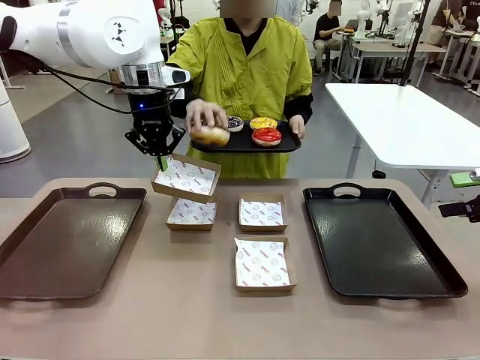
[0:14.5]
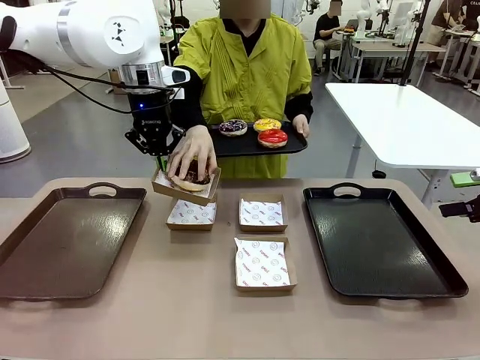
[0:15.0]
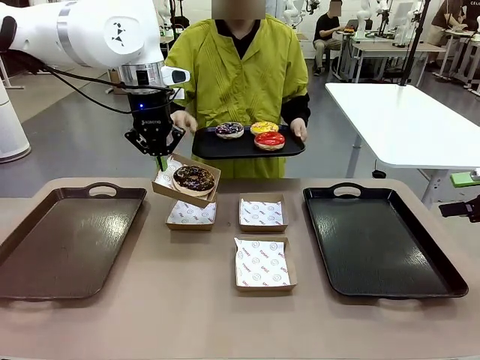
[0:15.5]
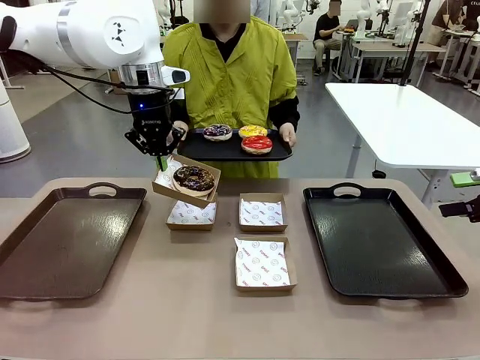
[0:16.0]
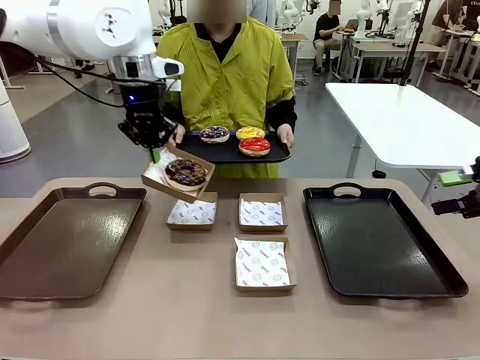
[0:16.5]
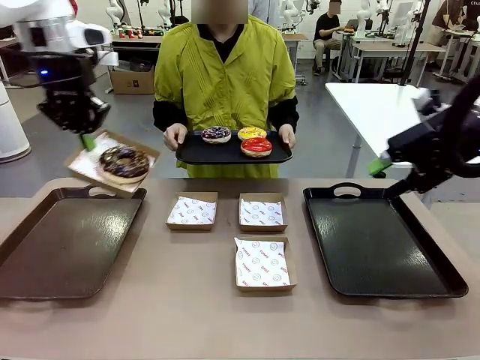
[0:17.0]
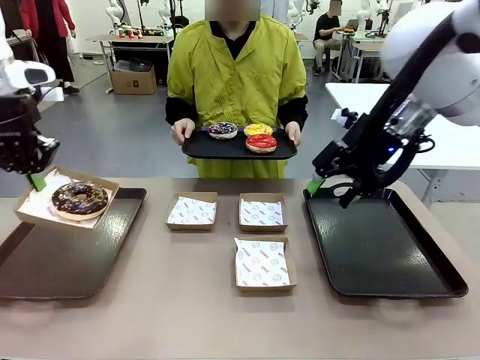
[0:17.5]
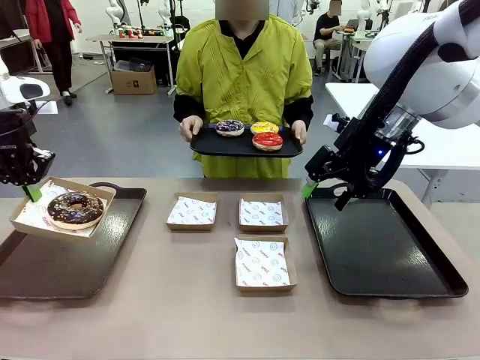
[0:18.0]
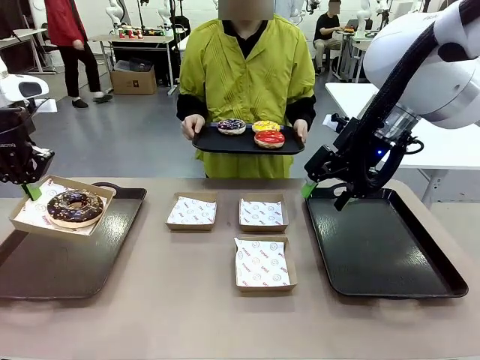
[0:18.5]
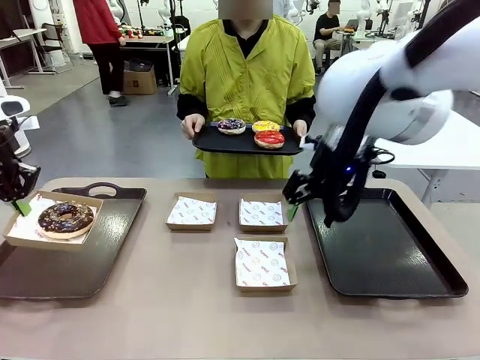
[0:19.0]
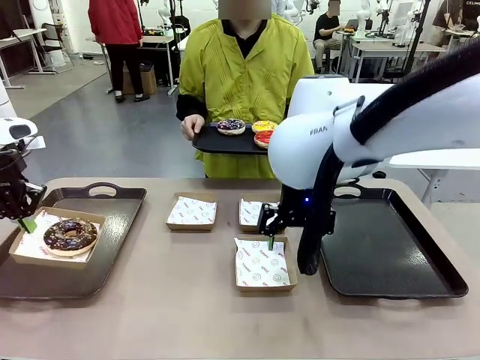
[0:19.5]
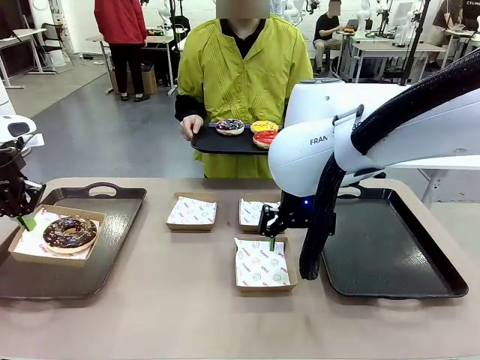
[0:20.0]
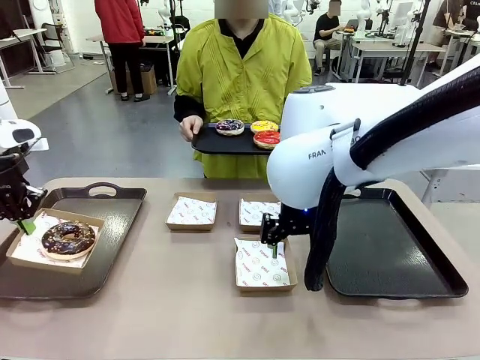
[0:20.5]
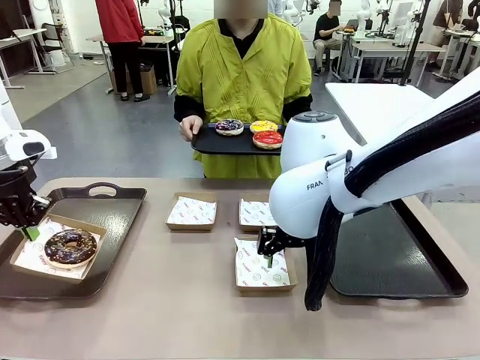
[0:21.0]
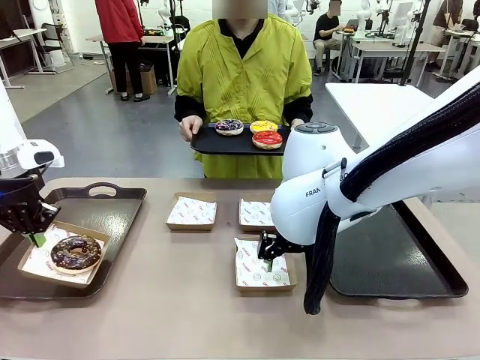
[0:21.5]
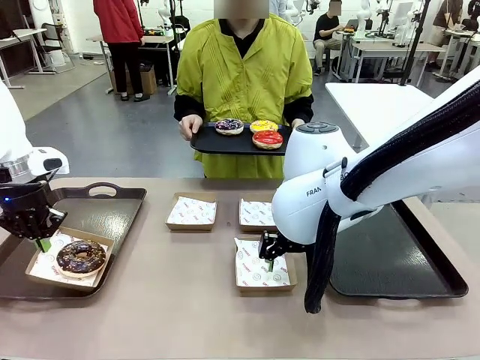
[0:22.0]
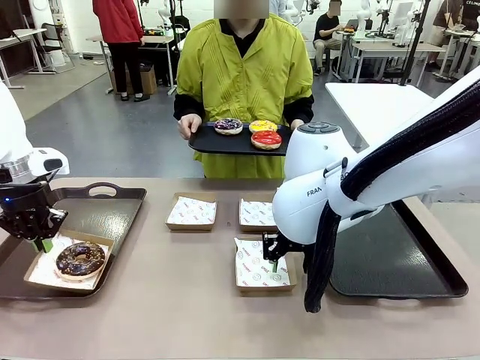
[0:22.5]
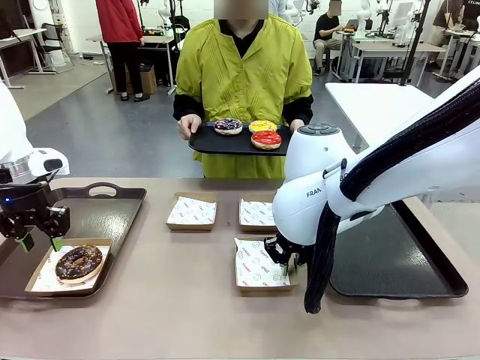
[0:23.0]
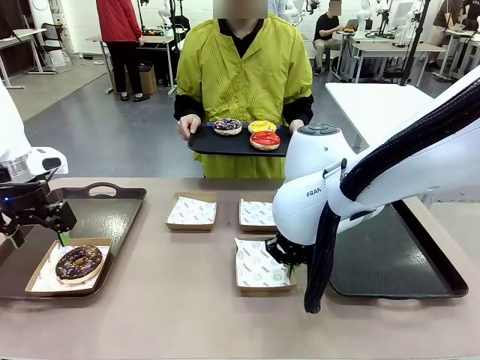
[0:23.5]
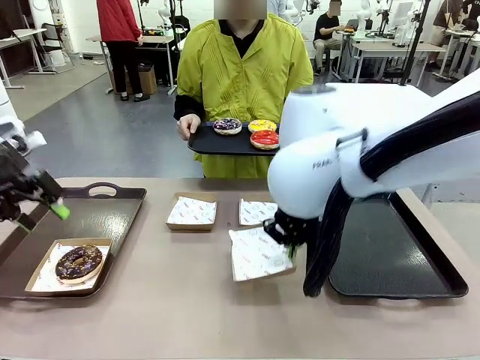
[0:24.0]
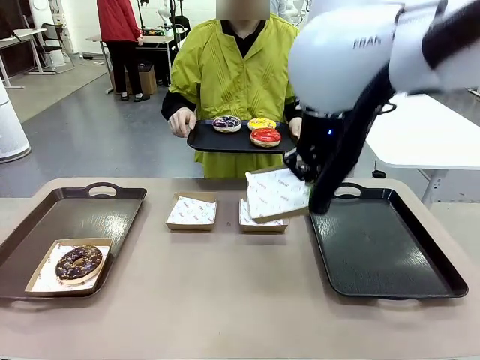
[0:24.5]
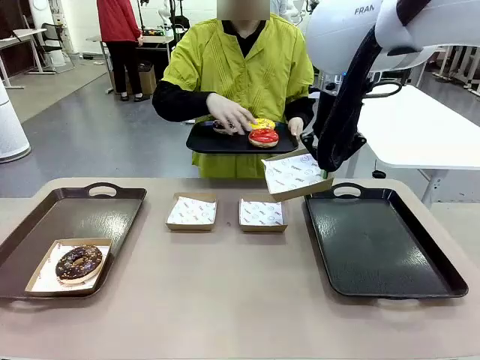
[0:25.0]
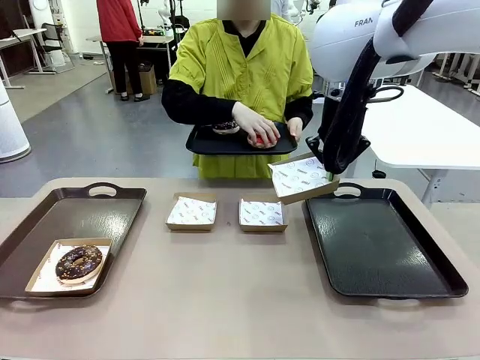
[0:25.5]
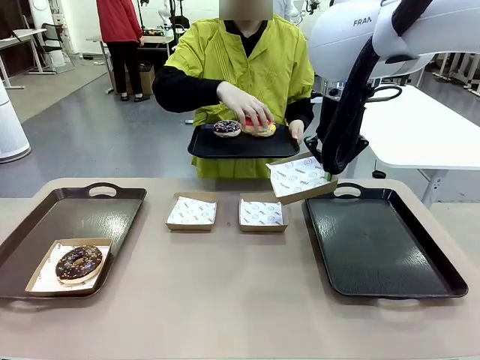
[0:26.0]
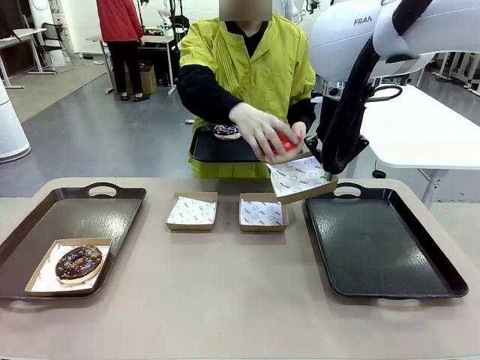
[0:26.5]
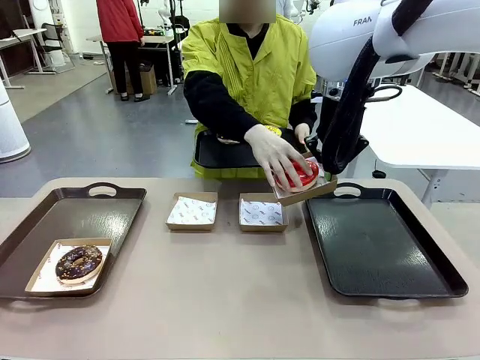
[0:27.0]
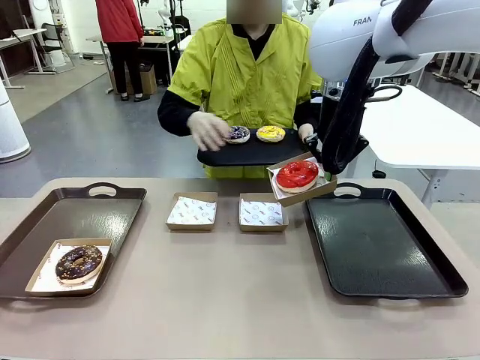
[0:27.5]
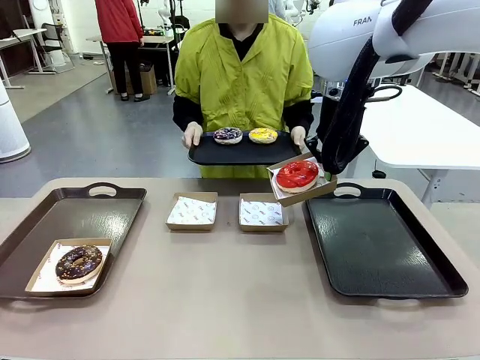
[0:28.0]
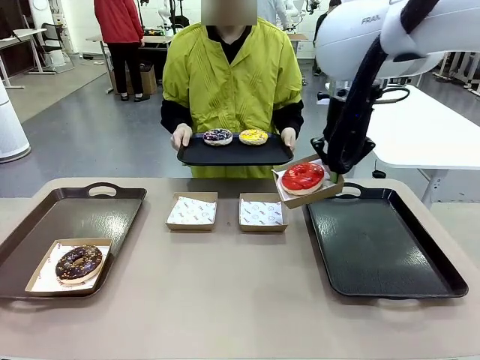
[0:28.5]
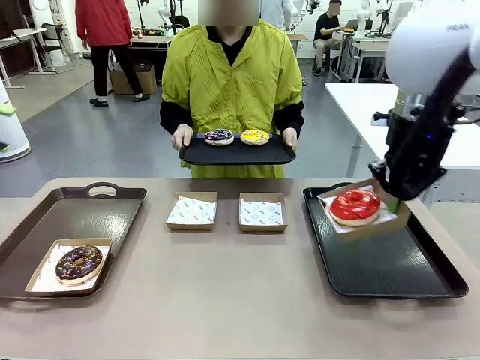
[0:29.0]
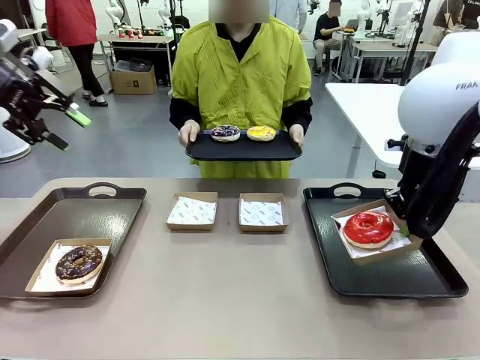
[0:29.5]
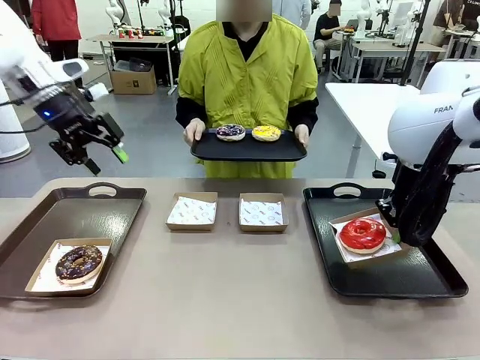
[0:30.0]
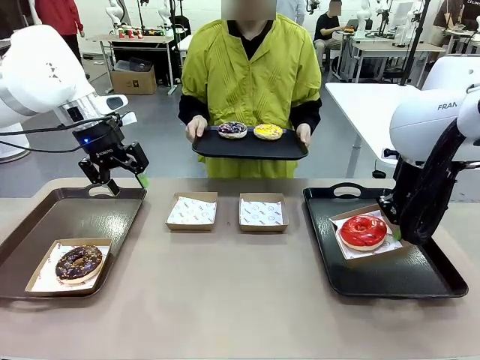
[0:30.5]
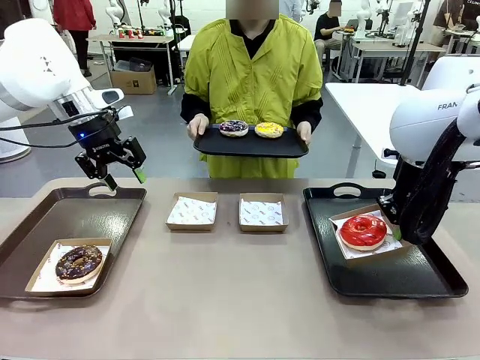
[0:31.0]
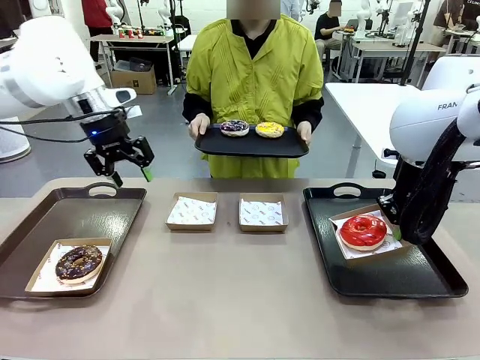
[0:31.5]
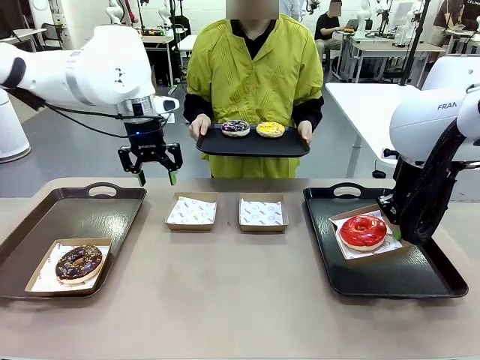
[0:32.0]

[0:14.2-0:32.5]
Task: Individually package the donuts and arrange them on the tray.
Robot: Place the picked Paper togo box on the Handle tray while simultaneously picking up another Paper togo box from the table with the other hand.

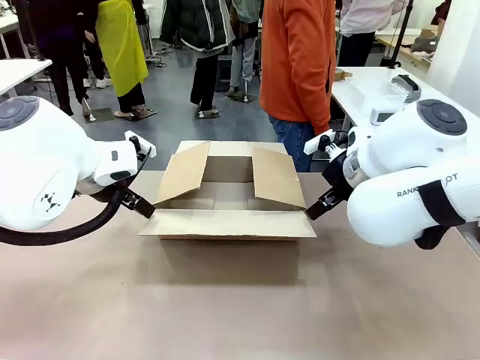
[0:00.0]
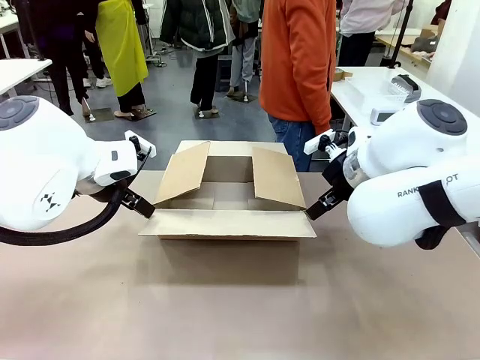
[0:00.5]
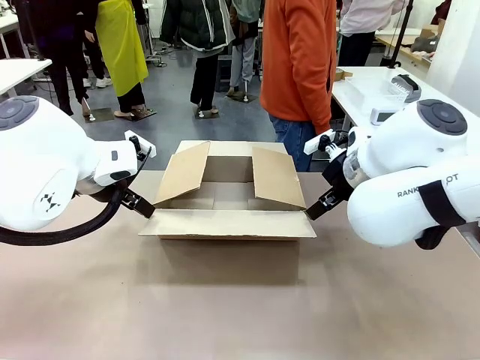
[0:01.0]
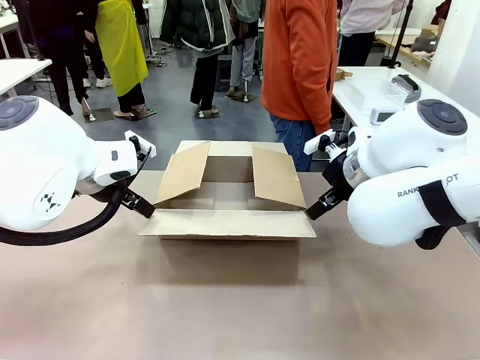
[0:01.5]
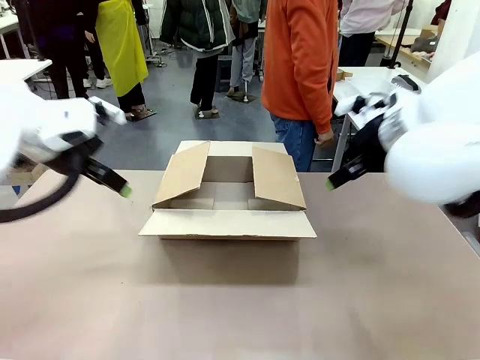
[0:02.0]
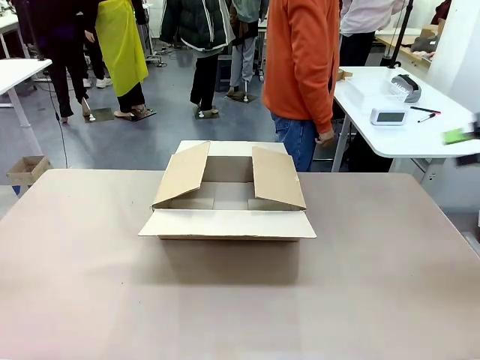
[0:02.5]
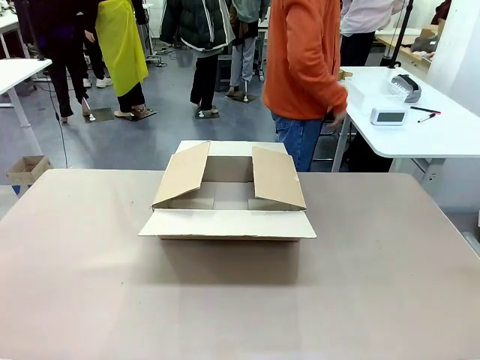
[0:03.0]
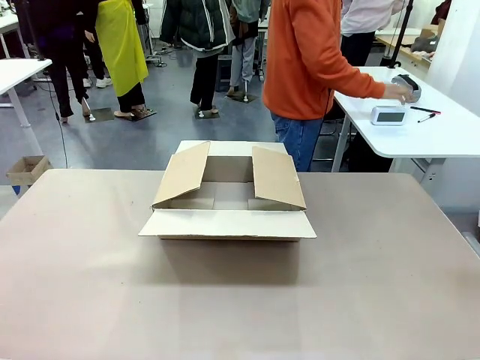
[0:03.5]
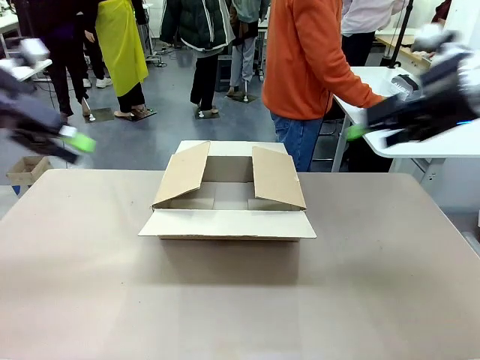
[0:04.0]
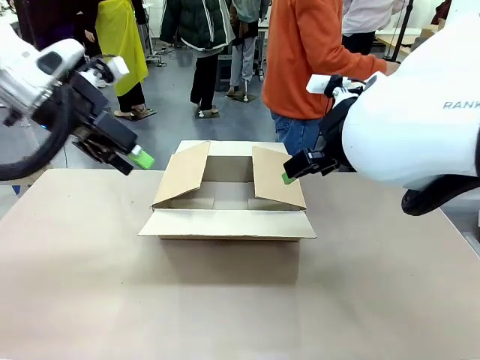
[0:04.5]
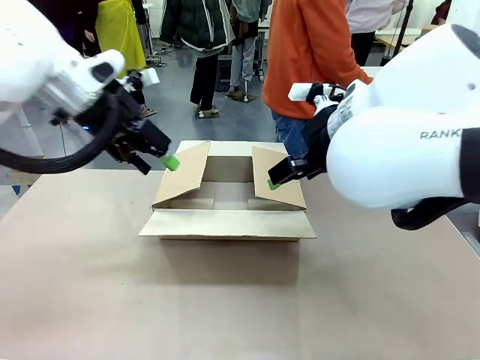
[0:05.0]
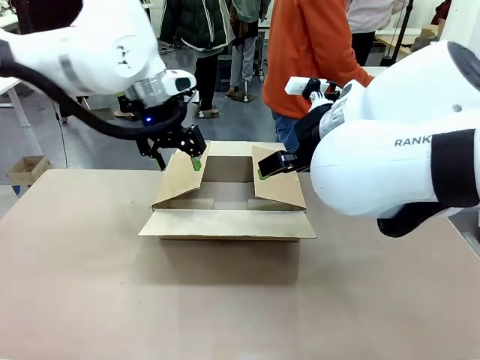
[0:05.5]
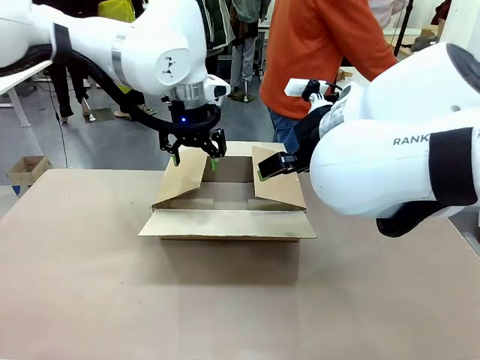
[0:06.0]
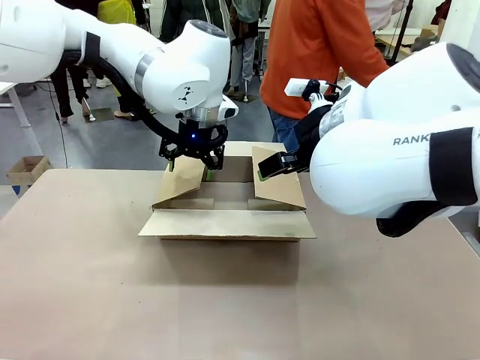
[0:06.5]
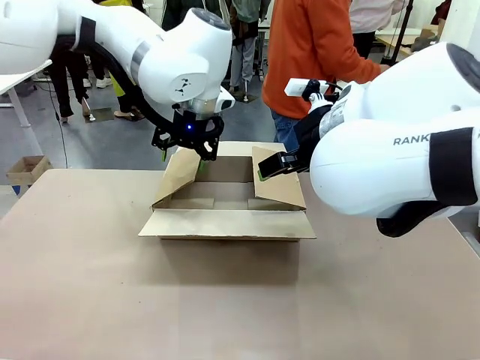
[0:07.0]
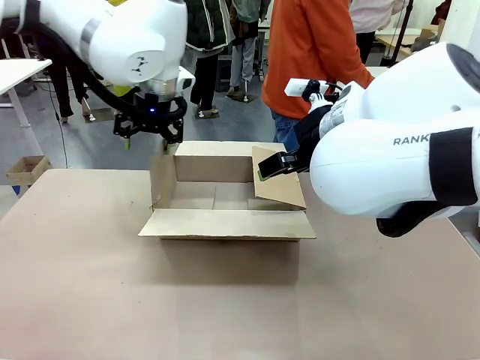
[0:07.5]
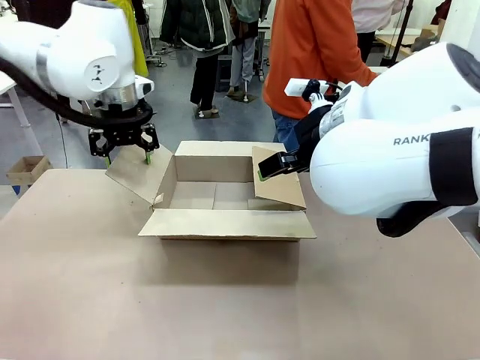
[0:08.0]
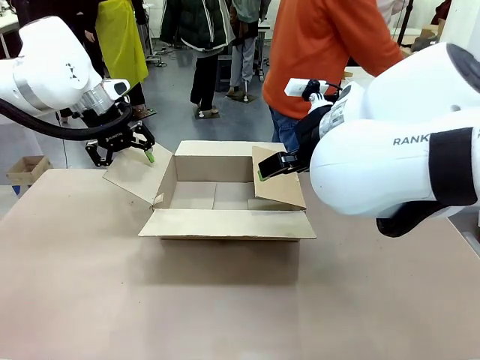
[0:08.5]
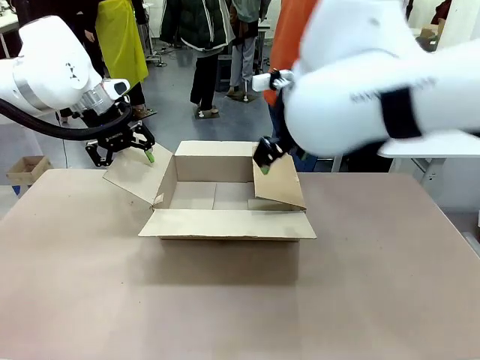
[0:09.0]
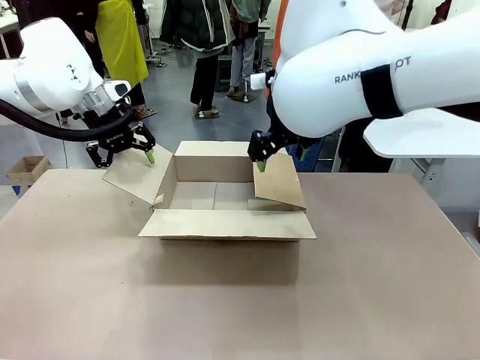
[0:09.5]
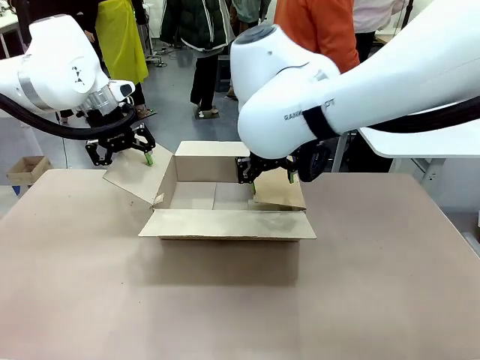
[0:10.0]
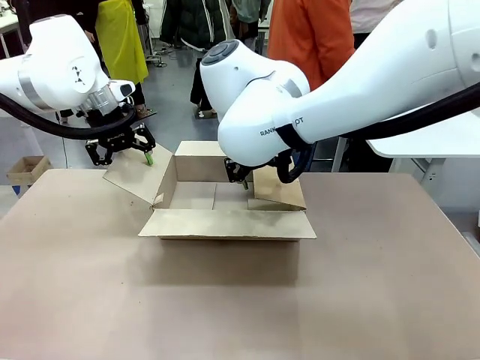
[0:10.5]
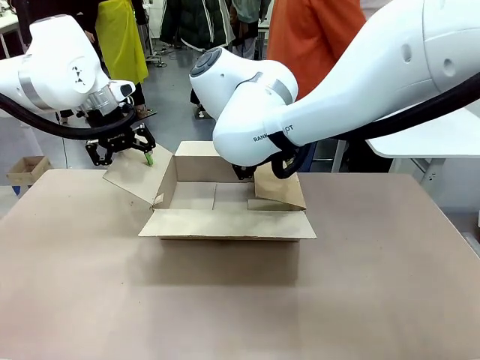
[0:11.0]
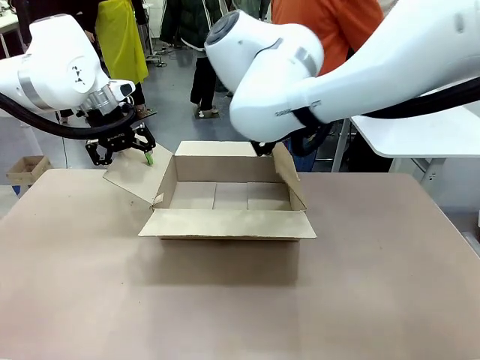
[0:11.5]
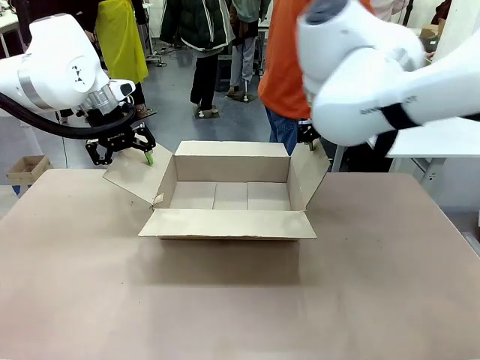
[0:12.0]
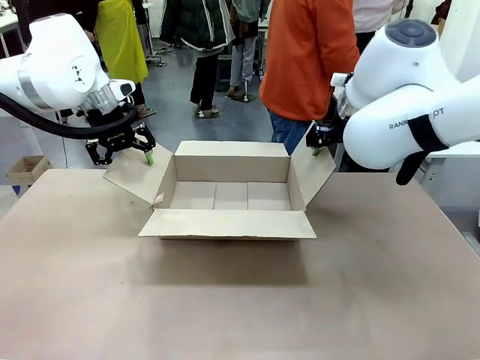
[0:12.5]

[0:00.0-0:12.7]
Task: Pack the gift set into the box.
Robot: Place both hands on the side flaps of the Package Box and spread them outward.
Person: The human places all items except the paper tape into the organizing basket.
